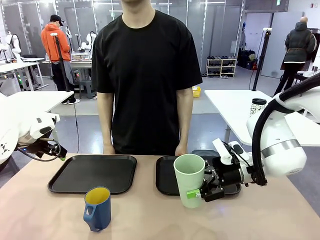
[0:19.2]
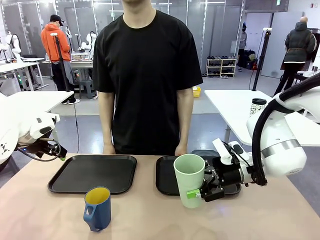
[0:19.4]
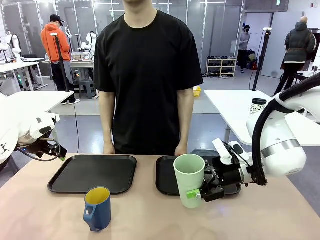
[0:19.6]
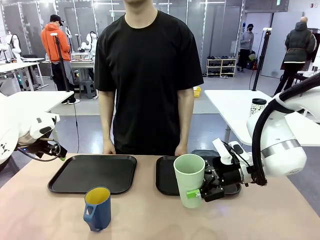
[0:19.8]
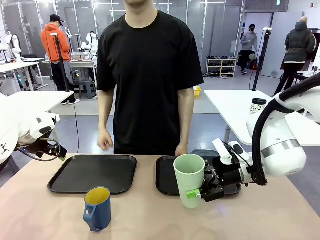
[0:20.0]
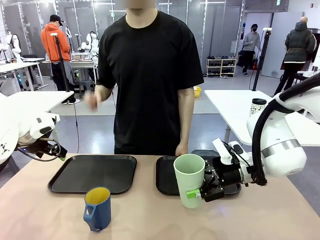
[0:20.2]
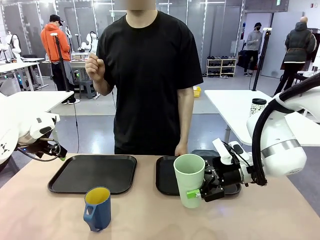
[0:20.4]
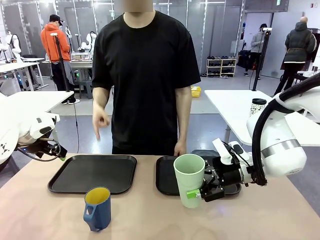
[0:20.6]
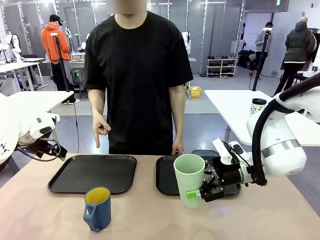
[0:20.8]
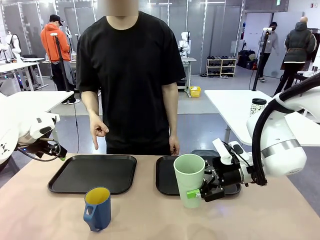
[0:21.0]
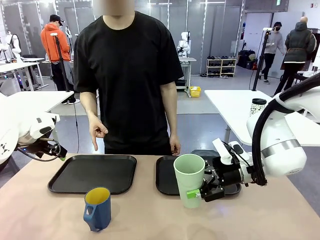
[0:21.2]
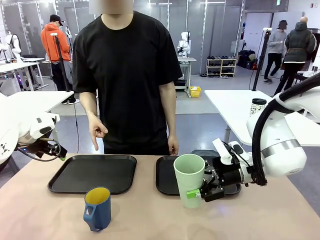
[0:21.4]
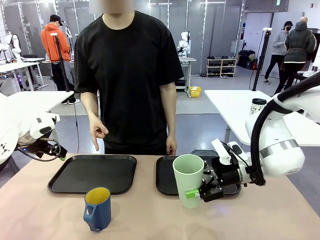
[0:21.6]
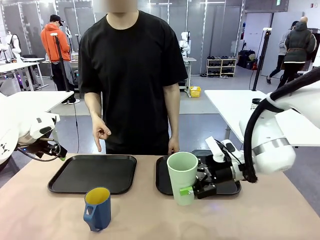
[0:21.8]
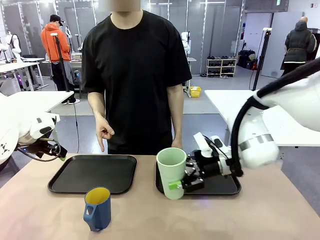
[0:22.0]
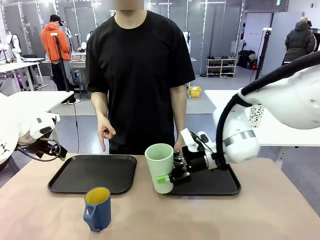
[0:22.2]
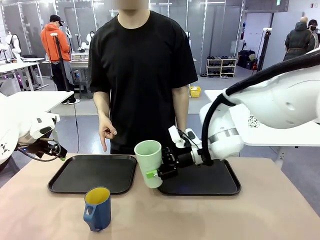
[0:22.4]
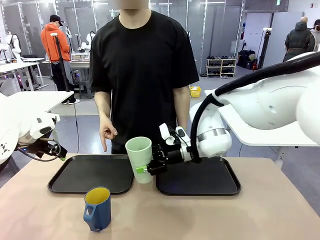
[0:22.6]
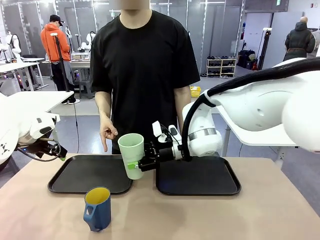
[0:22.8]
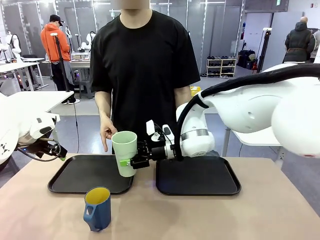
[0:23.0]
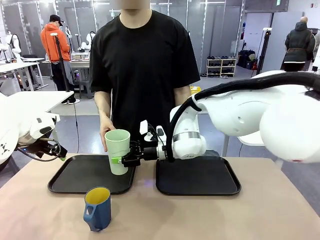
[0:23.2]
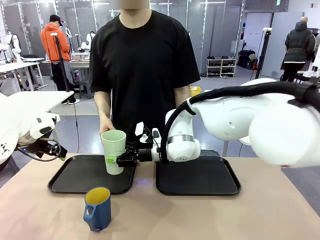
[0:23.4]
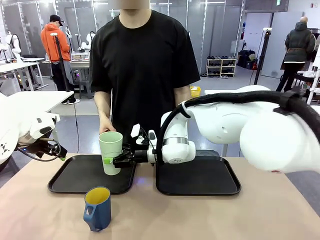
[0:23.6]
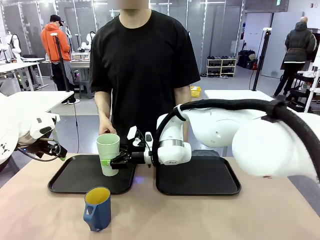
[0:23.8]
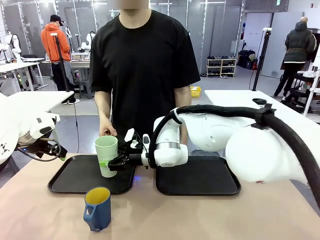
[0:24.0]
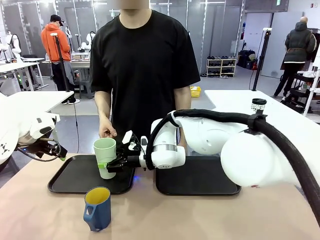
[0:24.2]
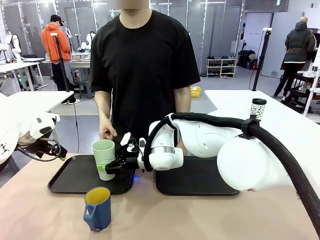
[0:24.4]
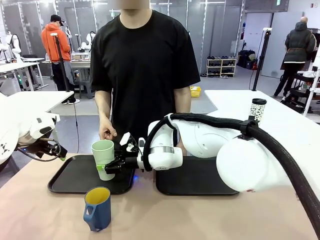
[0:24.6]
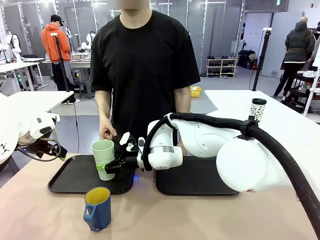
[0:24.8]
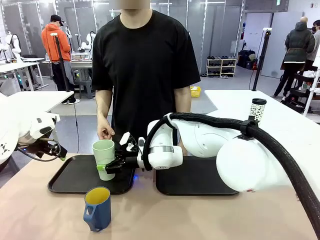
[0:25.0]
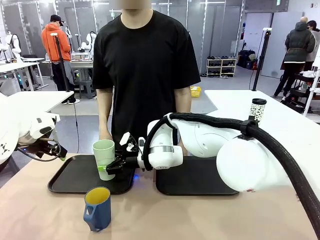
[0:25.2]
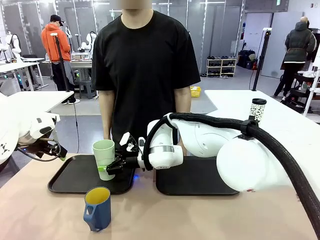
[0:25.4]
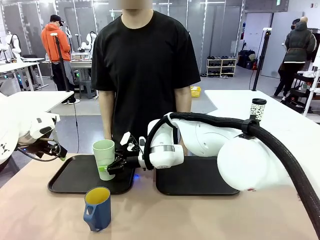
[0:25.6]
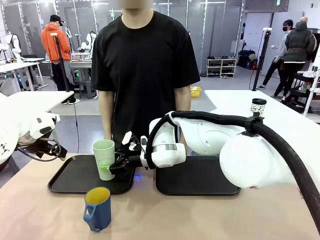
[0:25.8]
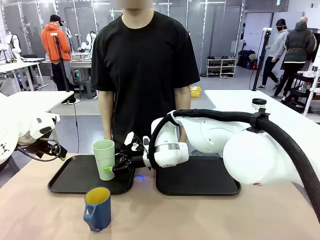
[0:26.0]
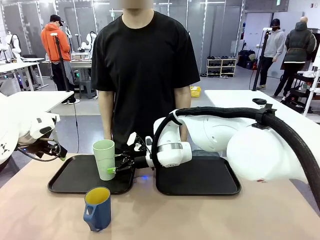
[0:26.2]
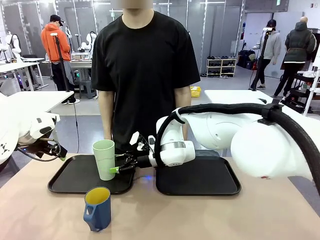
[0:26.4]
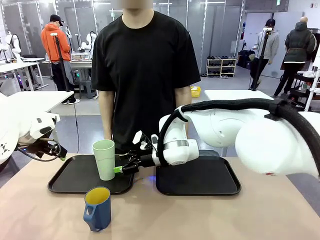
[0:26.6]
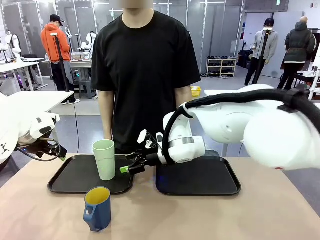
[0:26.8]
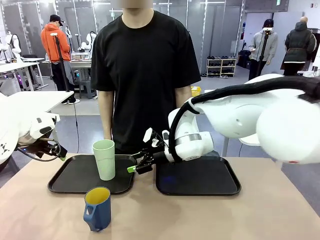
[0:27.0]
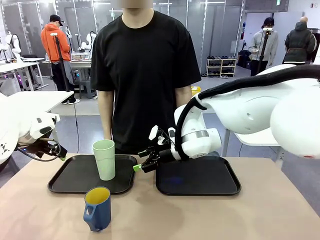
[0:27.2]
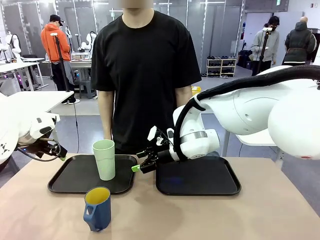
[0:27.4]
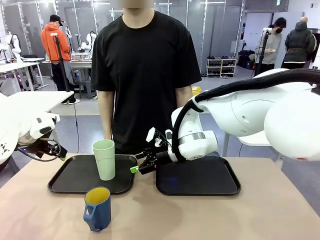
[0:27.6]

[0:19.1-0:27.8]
Task: Sort and store the cups by type.
Robot: Place the picked Reusable plastic cup into the Flat Tray indicated by the person.

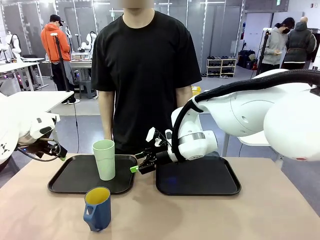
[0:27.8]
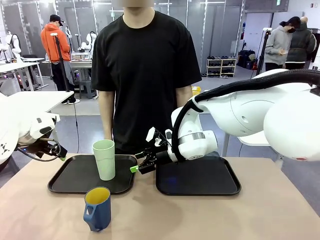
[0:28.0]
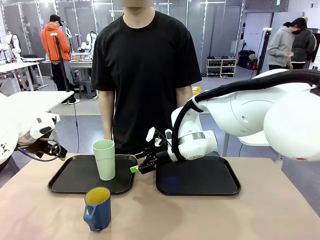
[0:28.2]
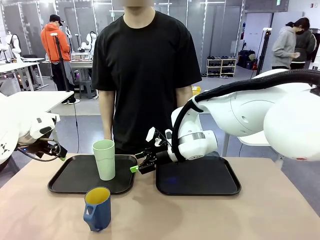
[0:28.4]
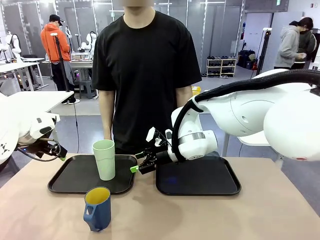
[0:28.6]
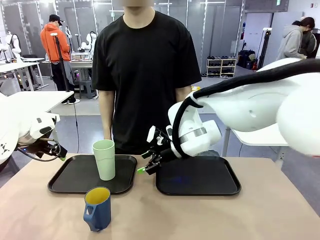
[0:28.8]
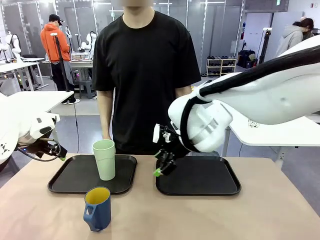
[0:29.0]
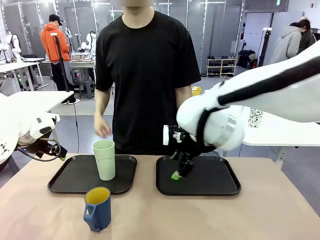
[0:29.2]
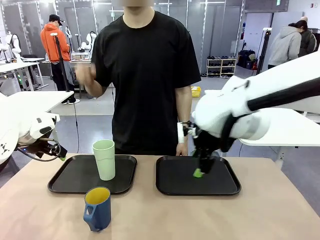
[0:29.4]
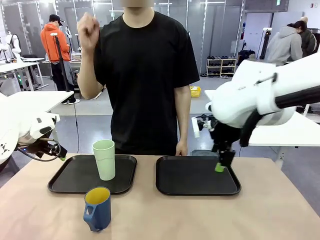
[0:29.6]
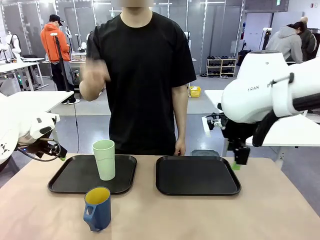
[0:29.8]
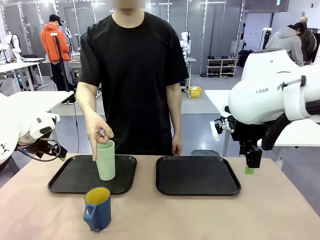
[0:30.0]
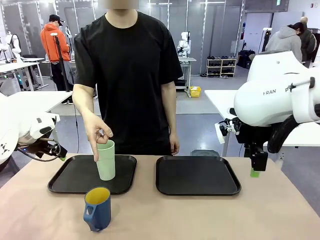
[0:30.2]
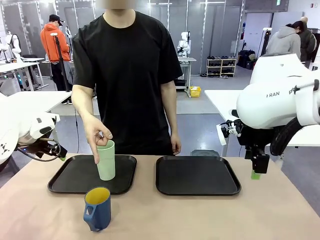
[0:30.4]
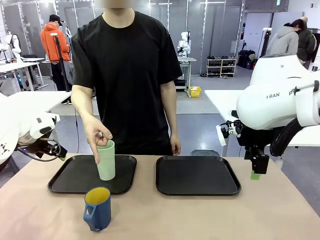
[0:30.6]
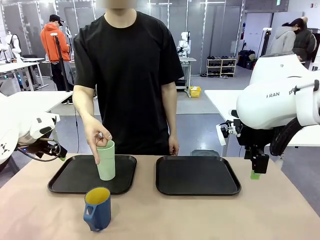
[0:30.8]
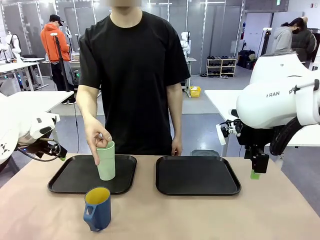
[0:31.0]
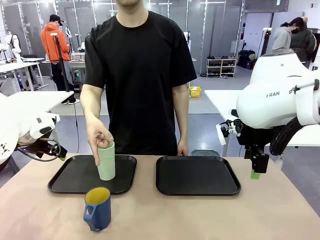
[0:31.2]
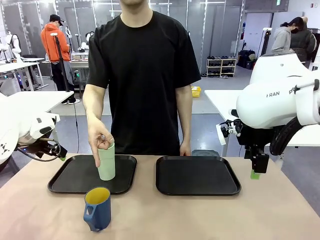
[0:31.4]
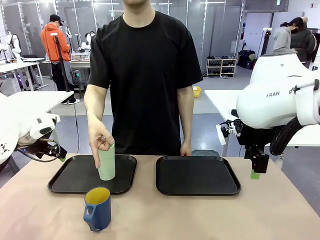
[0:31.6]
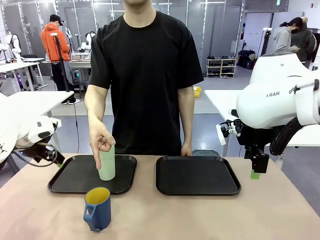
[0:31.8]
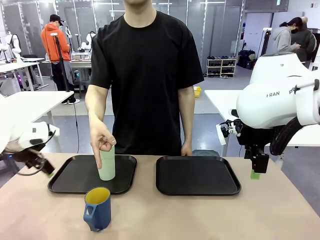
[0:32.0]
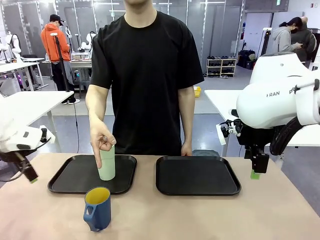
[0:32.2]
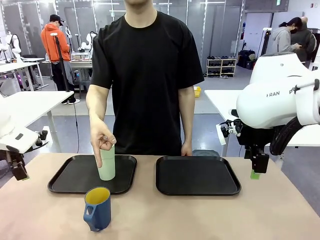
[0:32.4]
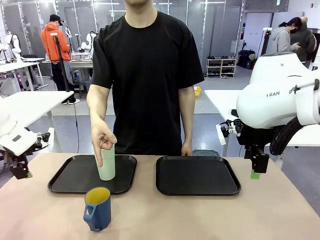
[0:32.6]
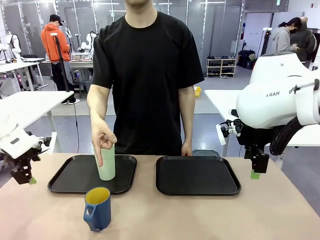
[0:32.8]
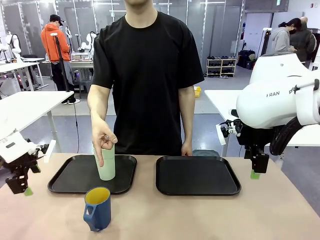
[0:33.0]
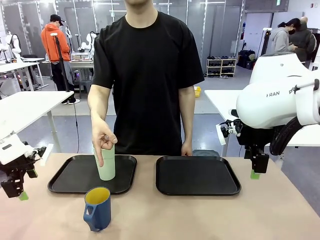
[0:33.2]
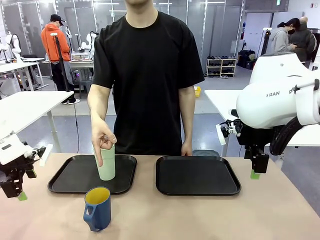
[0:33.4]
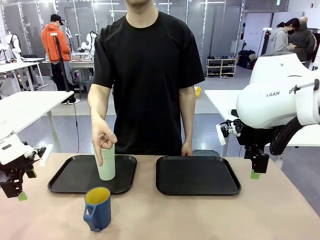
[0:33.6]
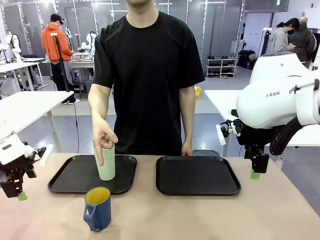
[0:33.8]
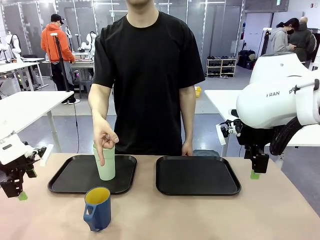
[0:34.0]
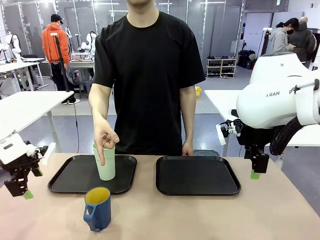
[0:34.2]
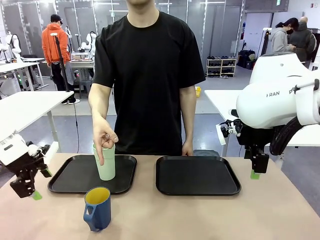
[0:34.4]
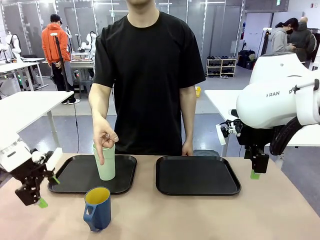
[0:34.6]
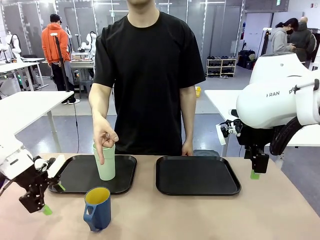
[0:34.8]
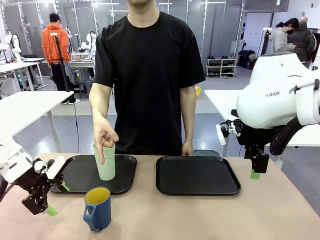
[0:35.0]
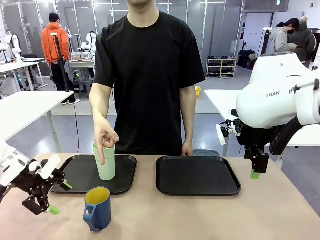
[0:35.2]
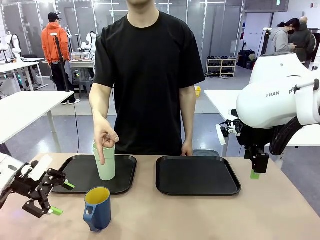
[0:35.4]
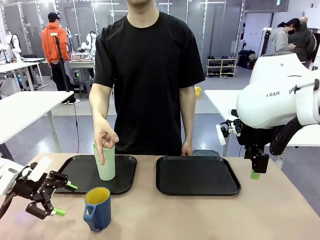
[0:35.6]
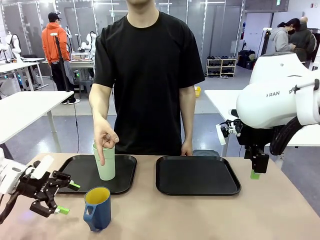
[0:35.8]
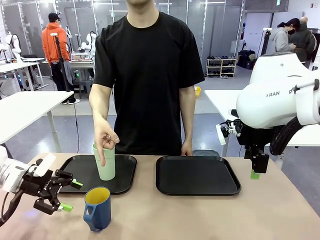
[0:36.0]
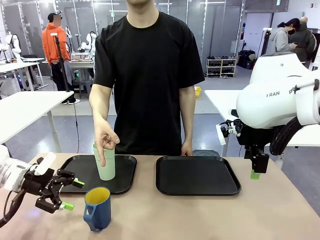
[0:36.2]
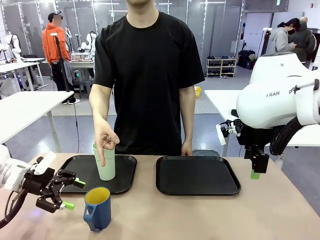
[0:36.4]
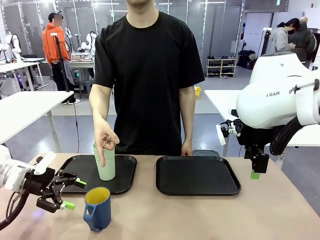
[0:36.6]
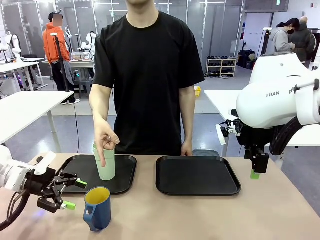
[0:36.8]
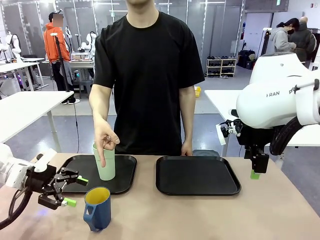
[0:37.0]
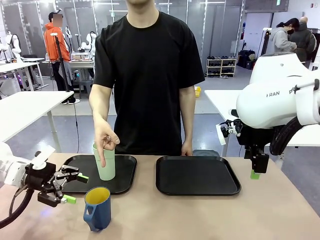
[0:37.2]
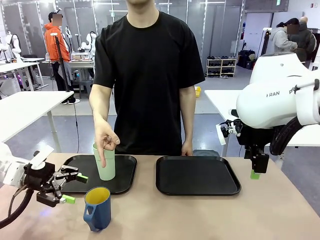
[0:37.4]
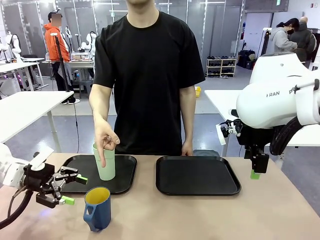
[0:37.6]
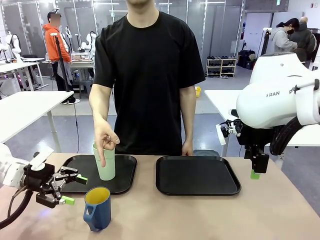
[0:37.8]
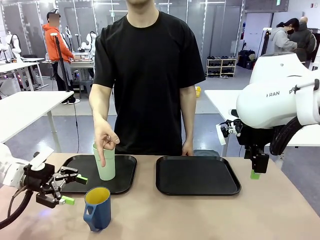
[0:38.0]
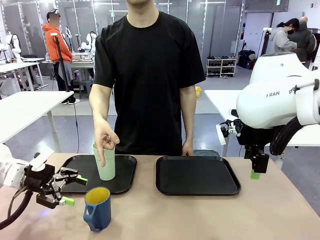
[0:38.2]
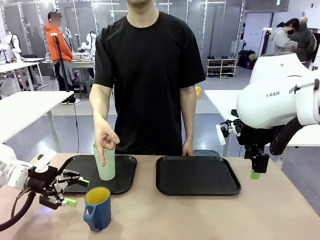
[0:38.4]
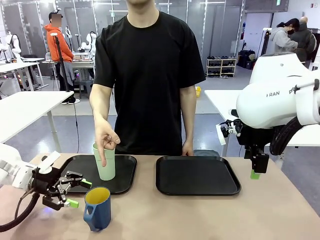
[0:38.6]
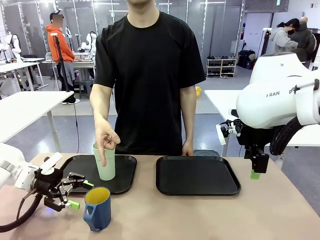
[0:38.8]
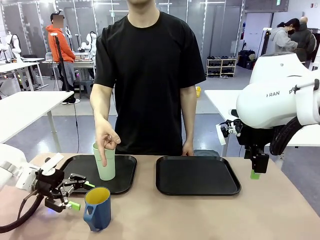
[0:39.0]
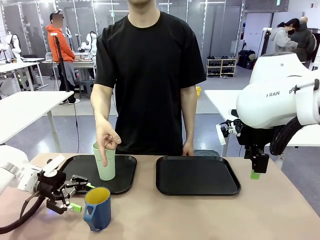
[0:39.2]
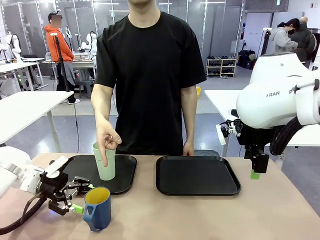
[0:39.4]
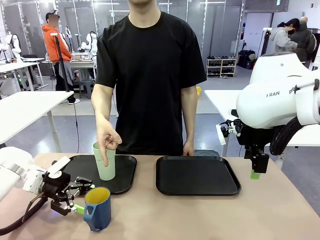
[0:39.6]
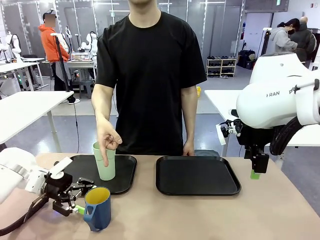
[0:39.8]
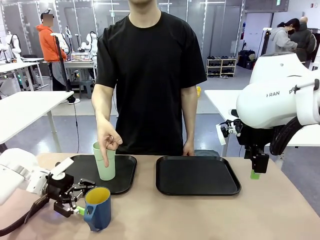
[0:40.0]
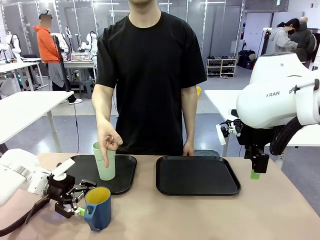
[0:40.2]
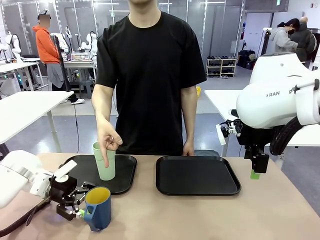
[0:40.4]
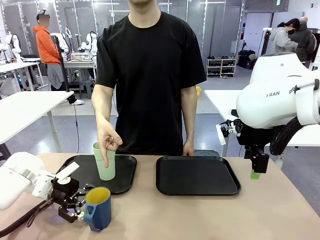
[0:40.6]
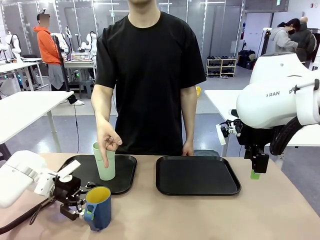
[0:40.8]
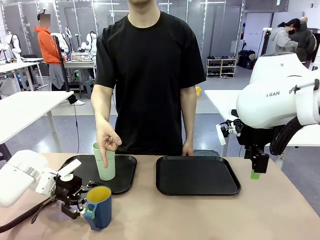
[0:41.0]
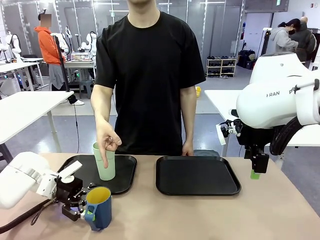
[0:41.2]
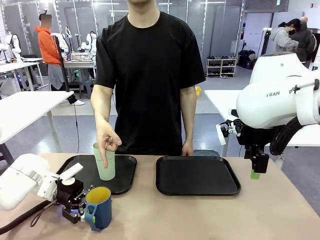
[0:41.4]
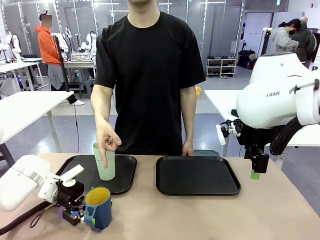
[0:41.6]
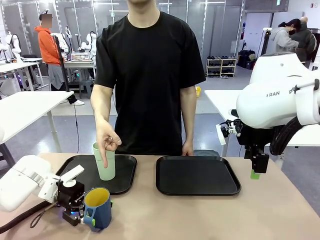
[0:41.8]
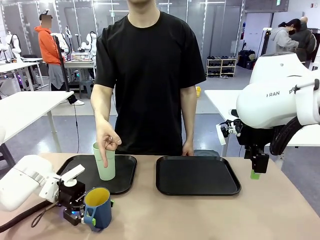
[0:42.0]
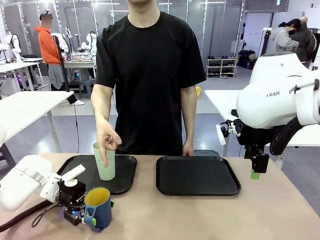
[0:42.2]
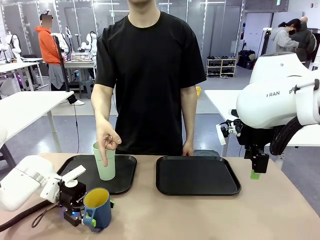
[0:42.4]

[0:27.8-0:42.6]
Robot: Pick up the Handle plastic cup and place it into the empty Flat Tray.
